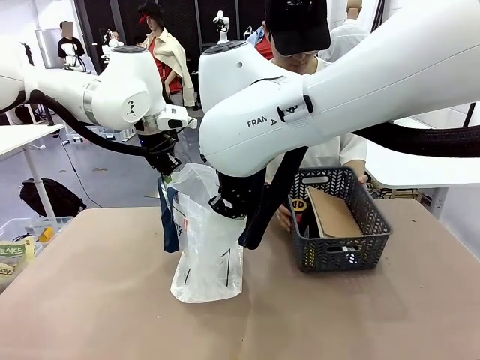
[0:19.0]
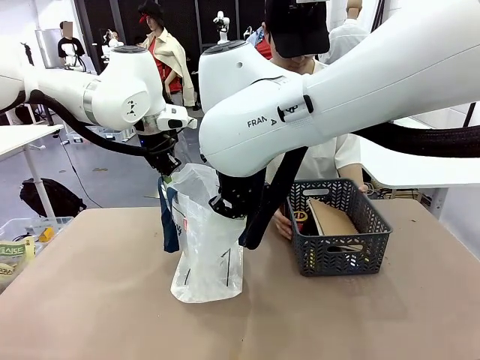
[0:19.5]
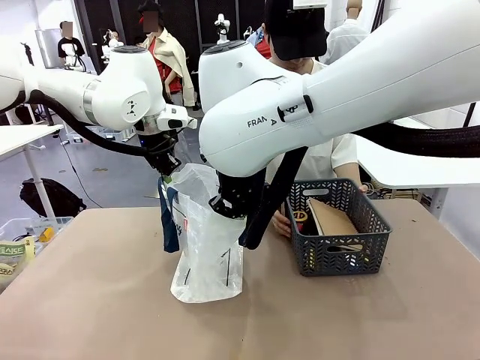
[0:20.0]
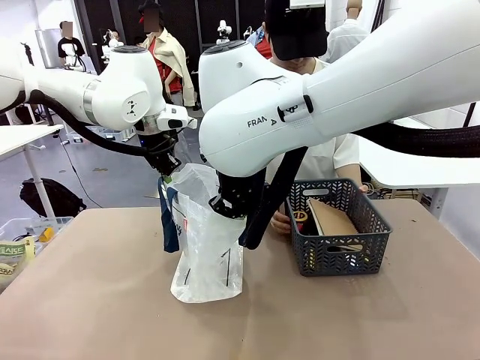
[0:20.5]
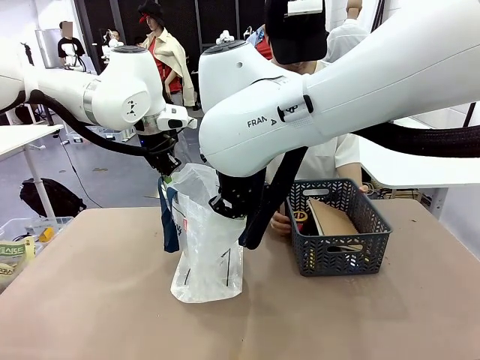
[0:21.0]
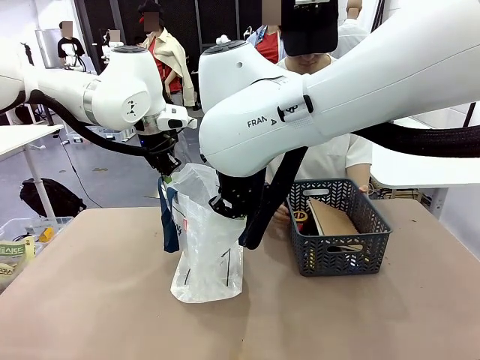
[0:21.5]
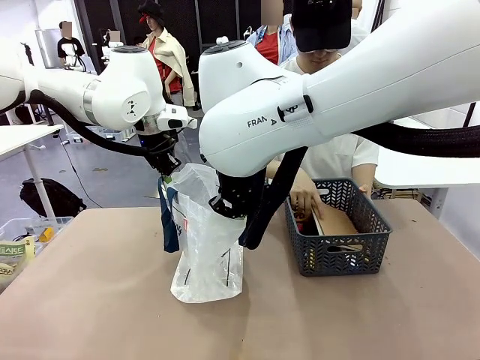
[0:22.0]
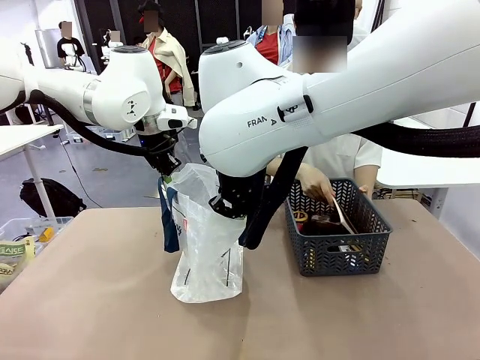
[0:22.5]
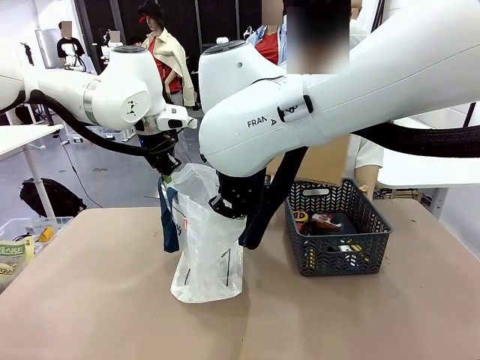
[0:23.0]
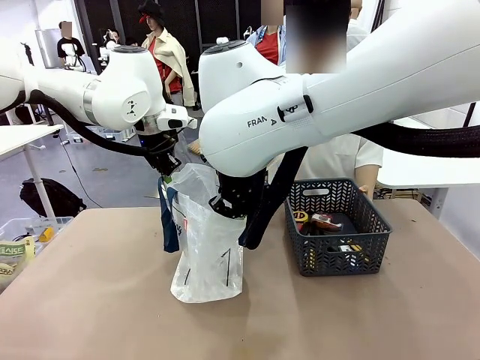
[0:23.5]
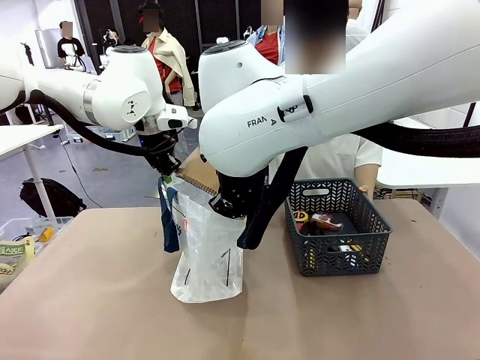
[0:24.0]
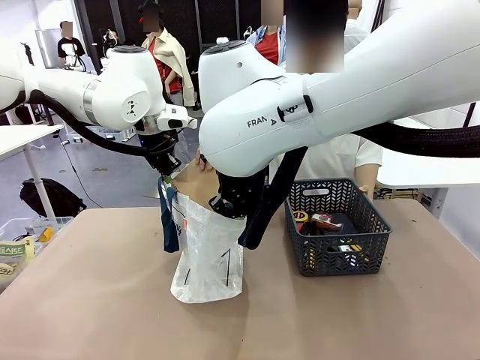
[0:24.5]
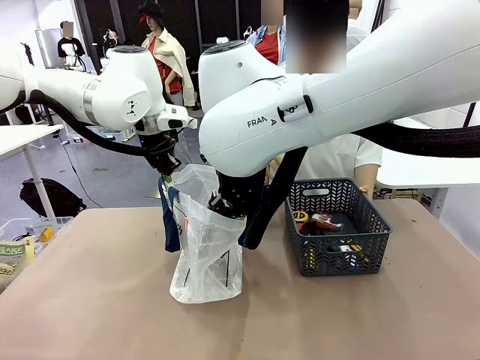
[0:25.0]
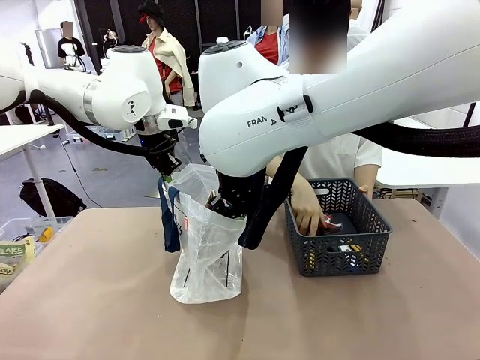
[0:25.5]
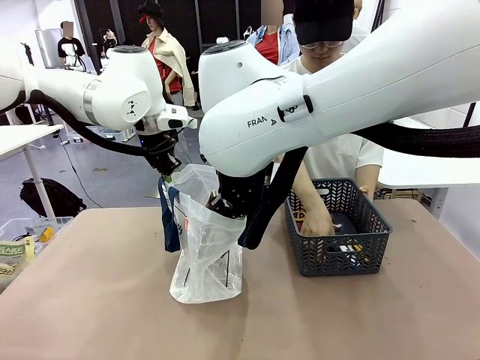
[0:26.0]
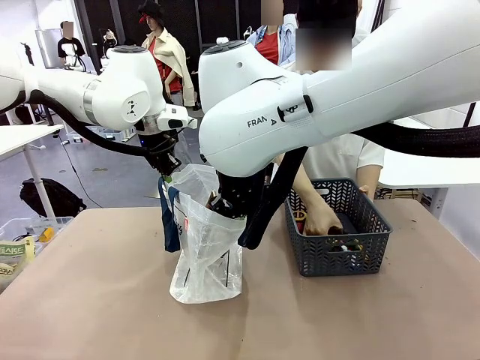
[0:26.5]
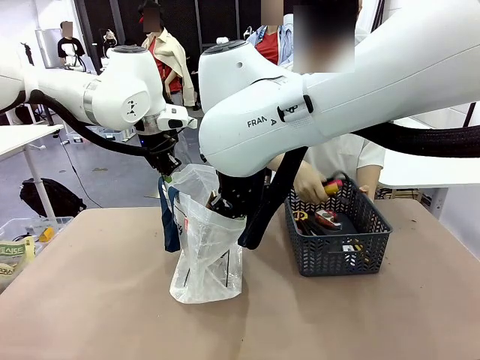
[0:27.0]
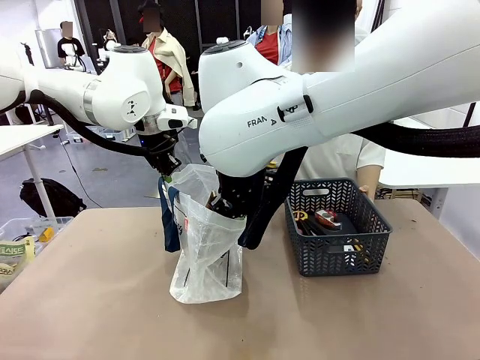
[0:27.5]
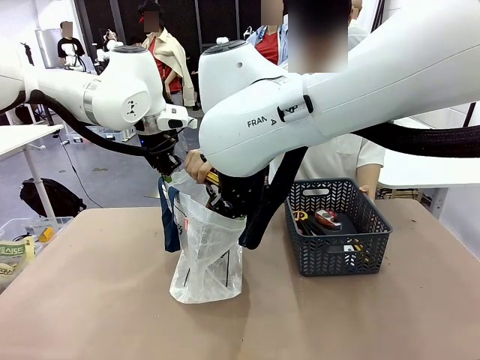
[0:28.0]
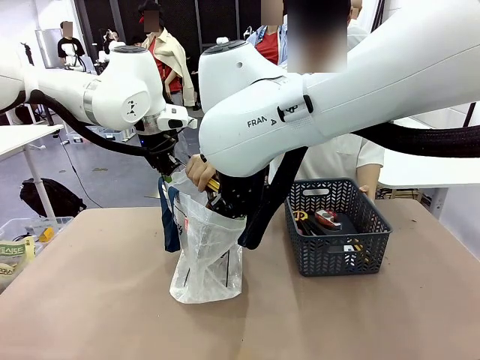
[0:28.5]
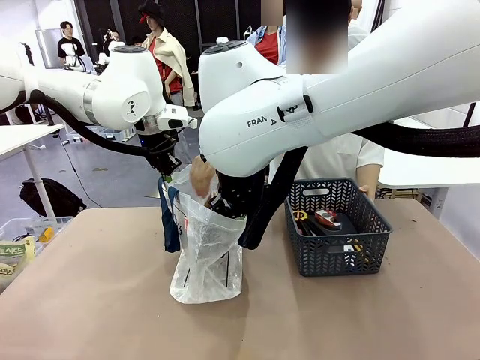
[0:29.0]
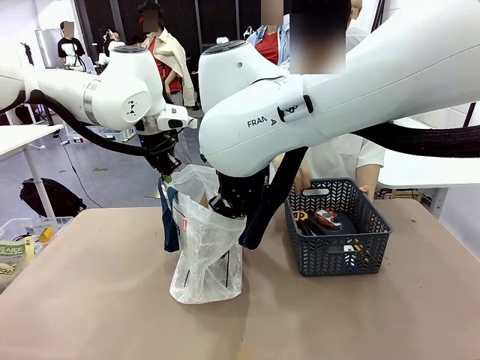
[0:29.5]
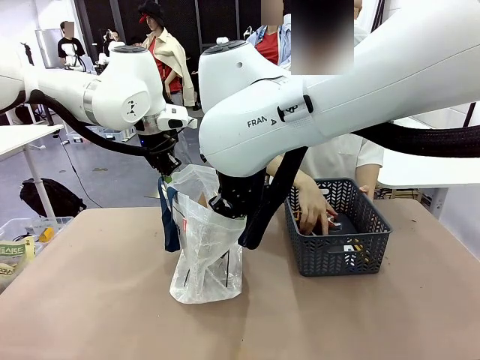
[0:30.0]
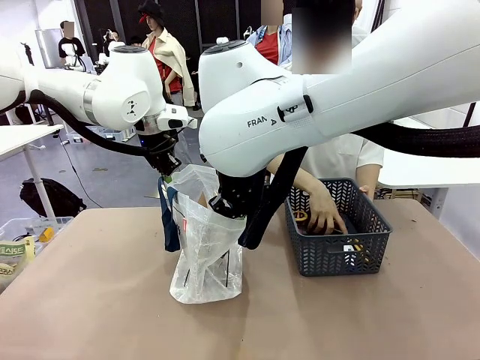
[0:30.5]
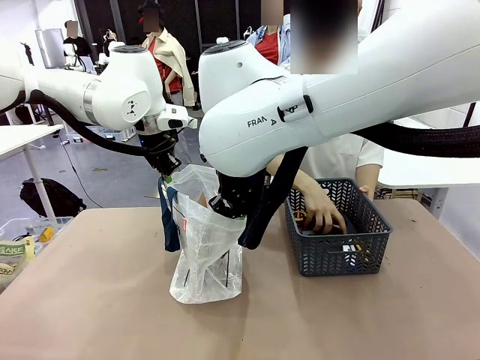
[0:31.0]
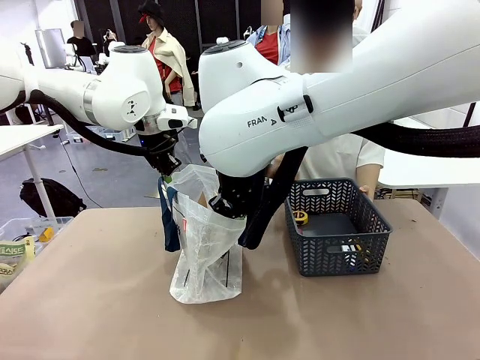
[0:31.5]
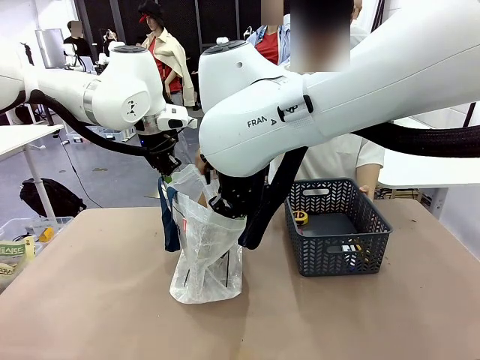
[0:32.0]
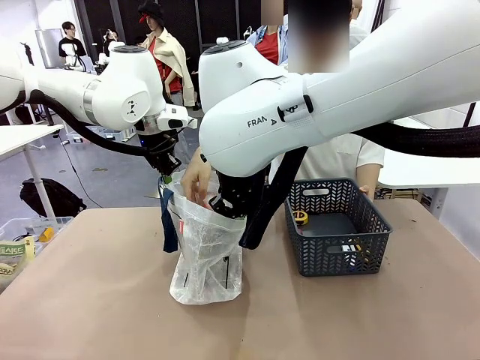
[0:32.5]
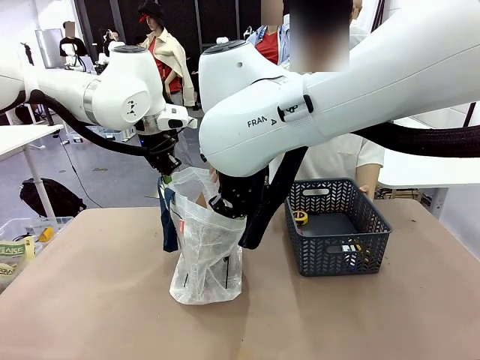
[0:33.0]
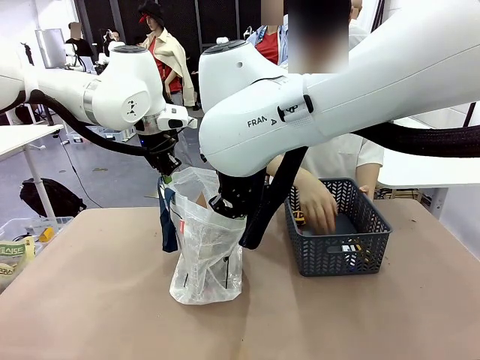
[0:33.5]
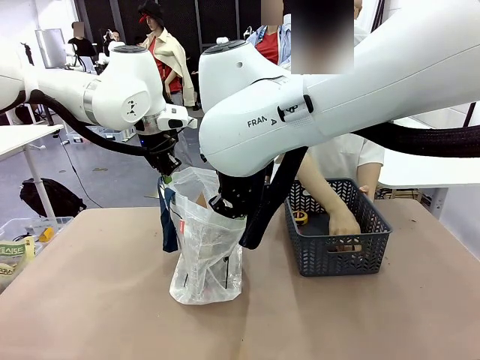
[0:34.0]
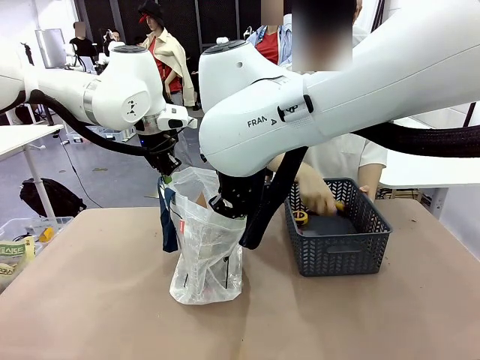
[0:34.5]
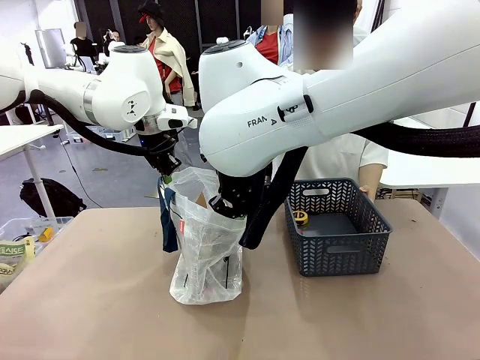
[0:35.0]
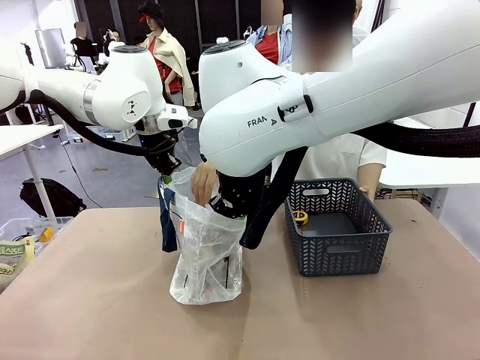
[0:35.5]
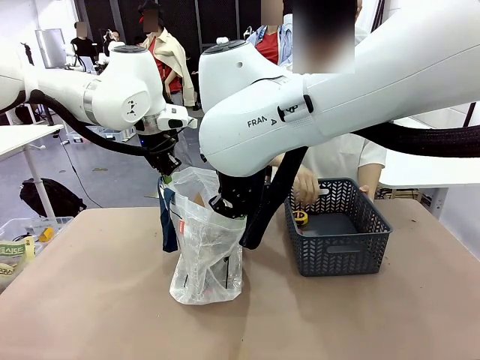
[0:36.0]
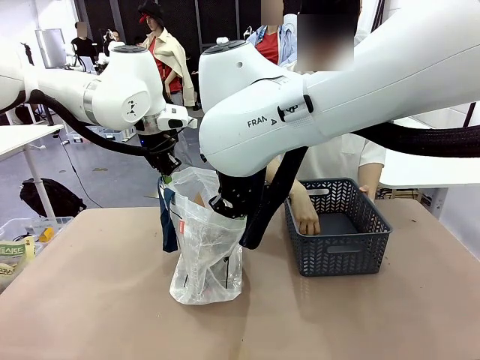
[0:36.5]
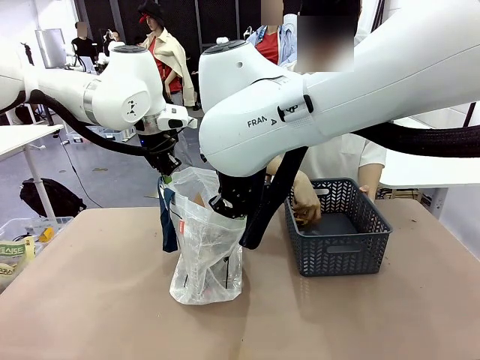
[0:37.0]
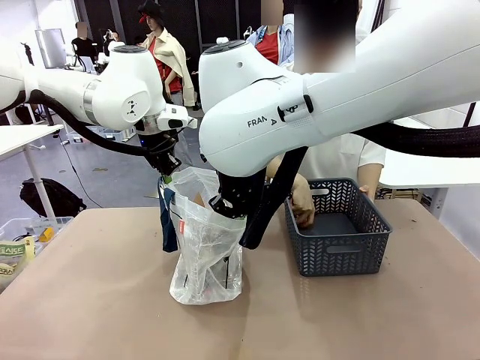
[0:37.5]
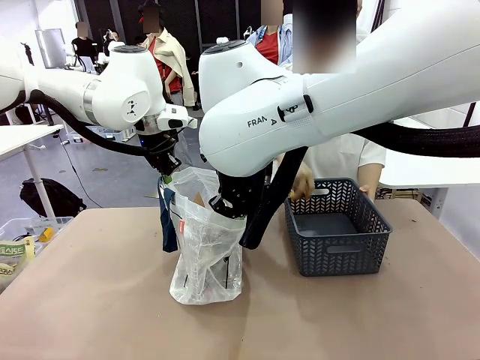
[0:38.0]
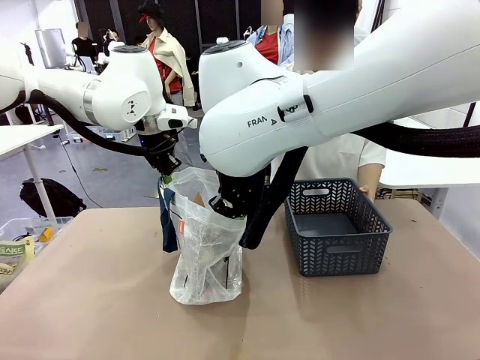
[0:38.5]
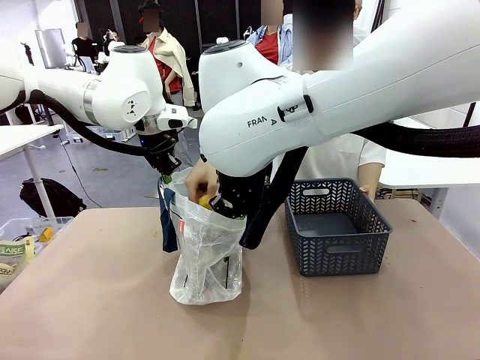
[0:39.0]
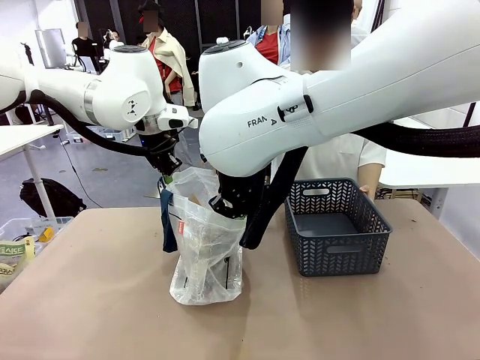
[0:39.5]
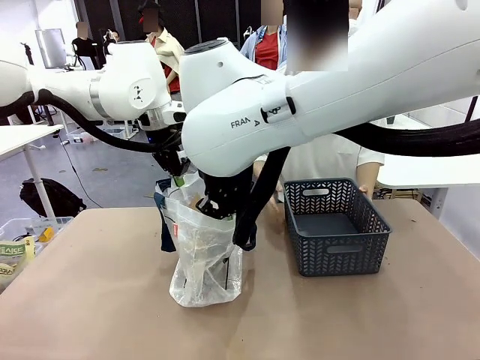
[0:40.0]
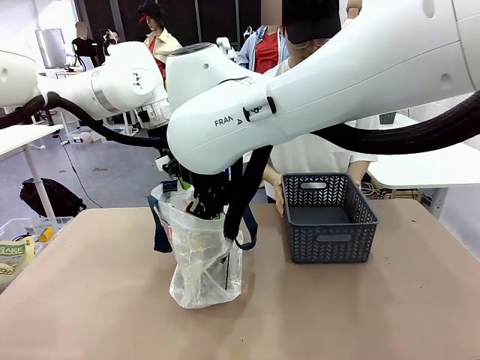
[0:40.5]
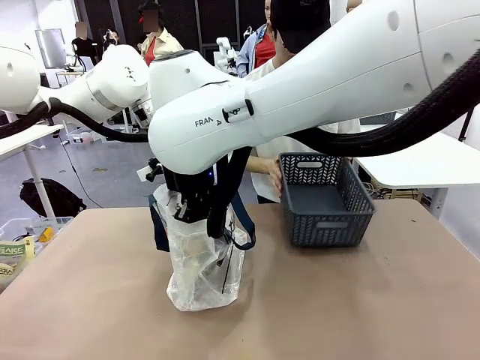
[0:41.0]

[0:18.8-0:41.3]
Task: Transfer purchased items from the store into the shopping bag.
Robot: Move the Reusable shopping bag to the right side of the table.
Person: Pick up the basket with the items out and place it on the right side of the human table.
